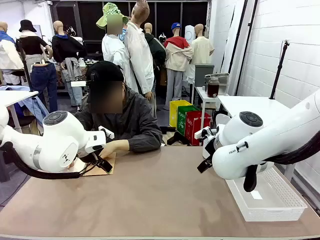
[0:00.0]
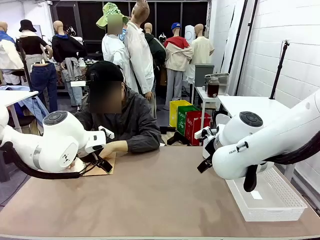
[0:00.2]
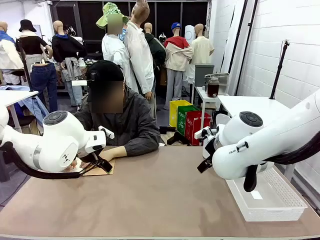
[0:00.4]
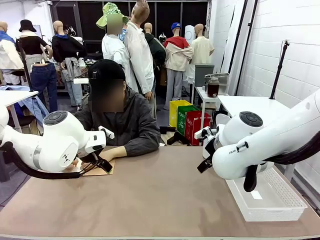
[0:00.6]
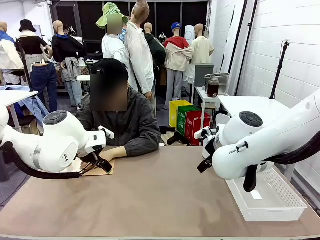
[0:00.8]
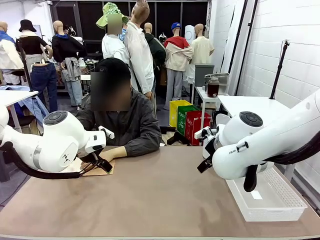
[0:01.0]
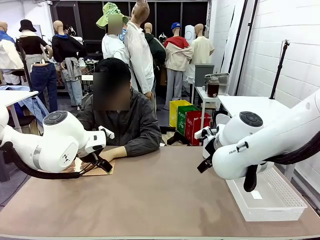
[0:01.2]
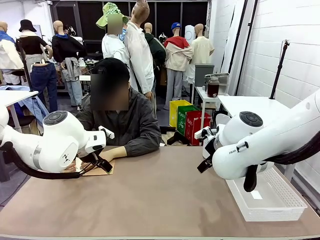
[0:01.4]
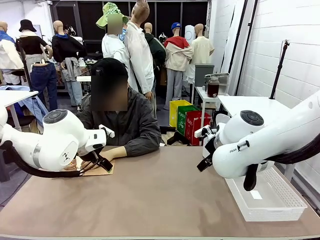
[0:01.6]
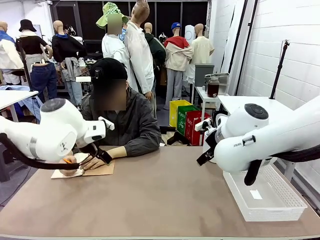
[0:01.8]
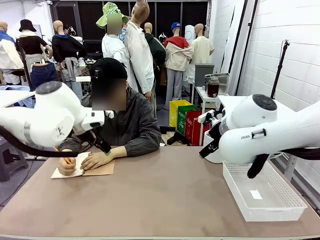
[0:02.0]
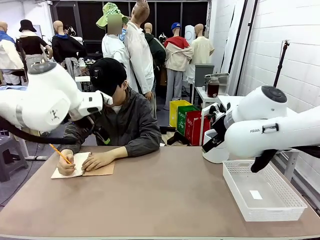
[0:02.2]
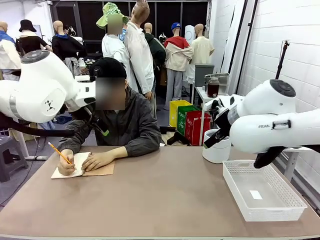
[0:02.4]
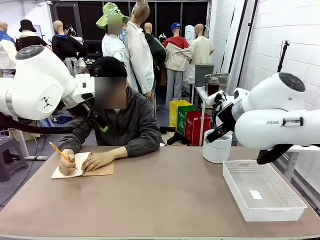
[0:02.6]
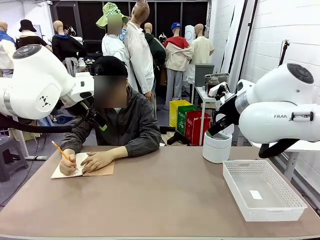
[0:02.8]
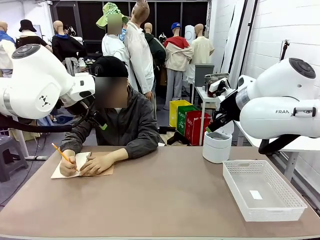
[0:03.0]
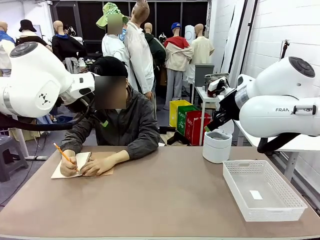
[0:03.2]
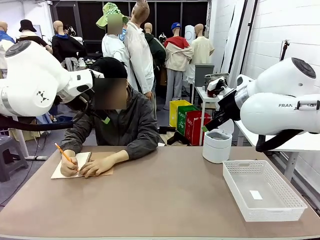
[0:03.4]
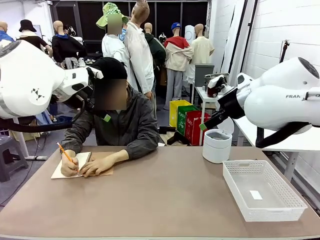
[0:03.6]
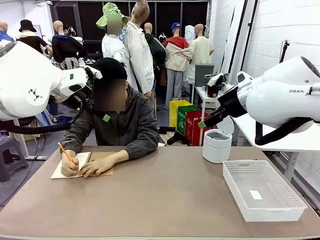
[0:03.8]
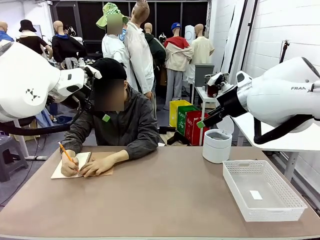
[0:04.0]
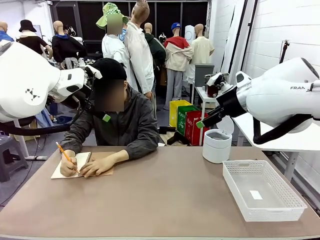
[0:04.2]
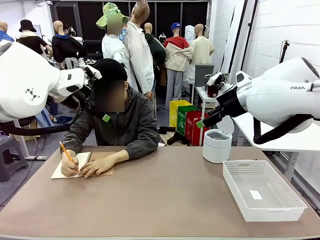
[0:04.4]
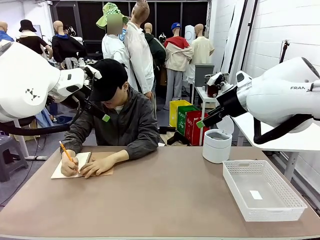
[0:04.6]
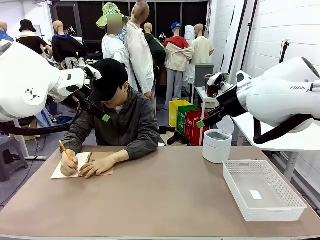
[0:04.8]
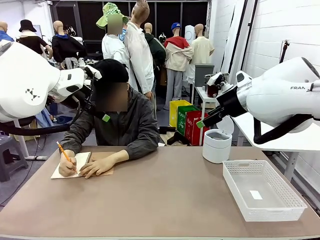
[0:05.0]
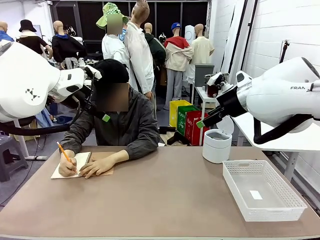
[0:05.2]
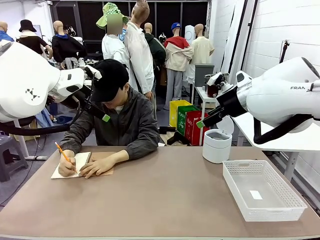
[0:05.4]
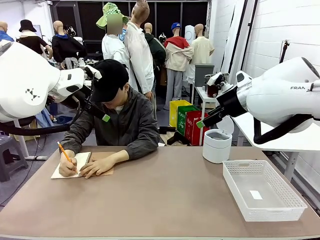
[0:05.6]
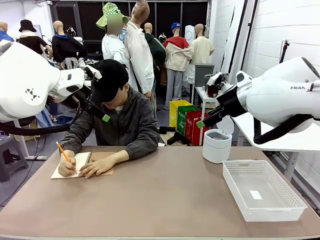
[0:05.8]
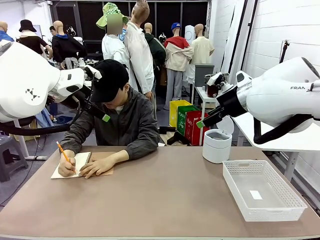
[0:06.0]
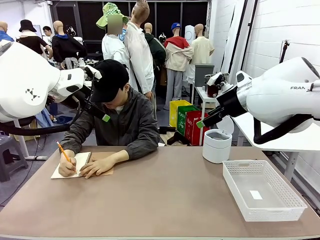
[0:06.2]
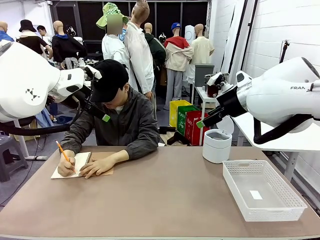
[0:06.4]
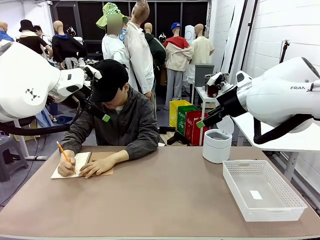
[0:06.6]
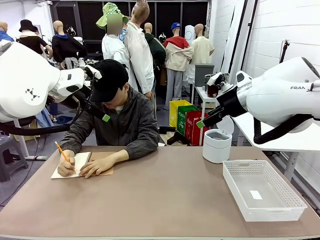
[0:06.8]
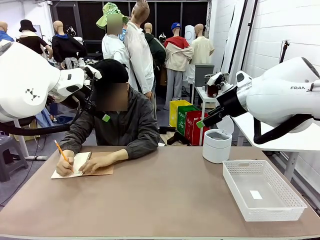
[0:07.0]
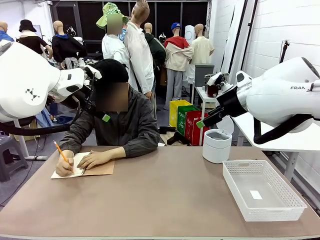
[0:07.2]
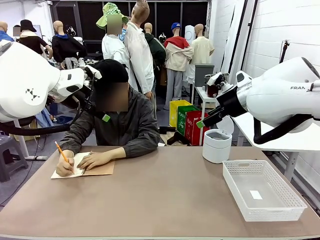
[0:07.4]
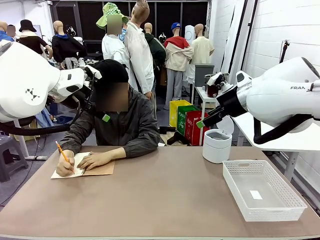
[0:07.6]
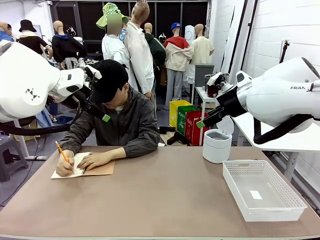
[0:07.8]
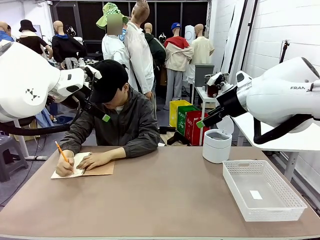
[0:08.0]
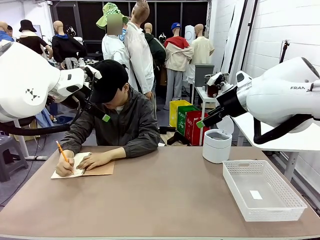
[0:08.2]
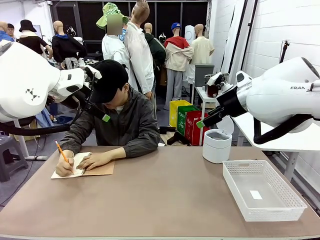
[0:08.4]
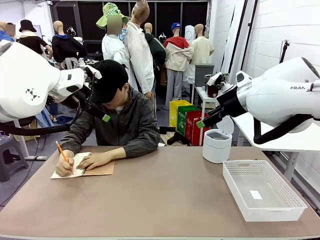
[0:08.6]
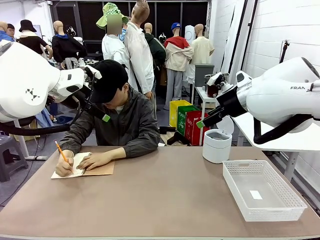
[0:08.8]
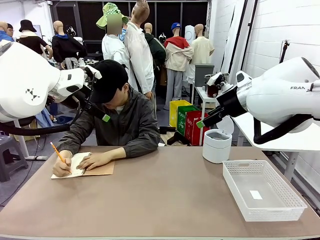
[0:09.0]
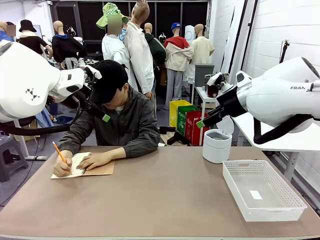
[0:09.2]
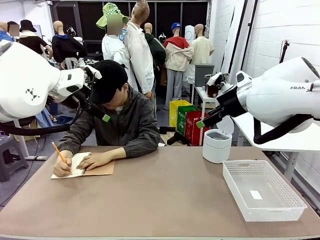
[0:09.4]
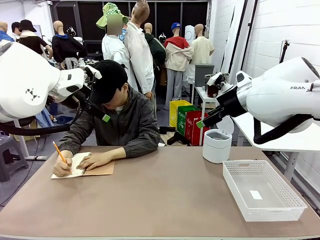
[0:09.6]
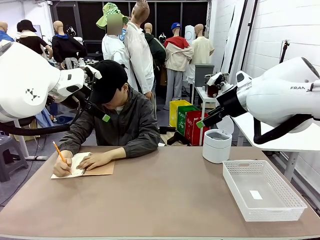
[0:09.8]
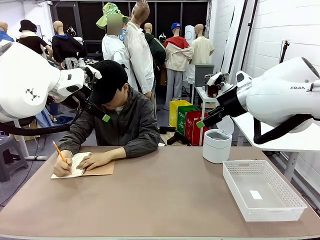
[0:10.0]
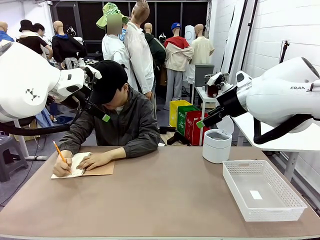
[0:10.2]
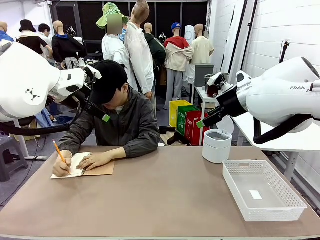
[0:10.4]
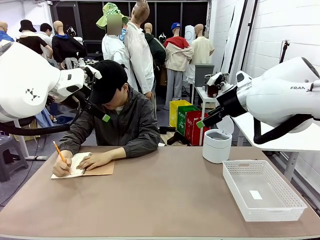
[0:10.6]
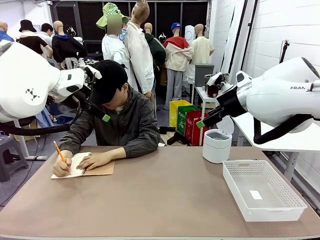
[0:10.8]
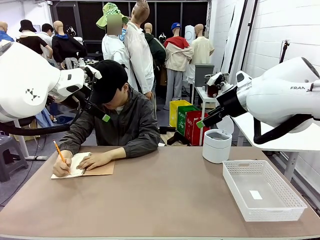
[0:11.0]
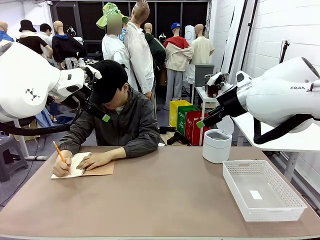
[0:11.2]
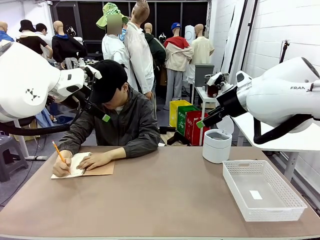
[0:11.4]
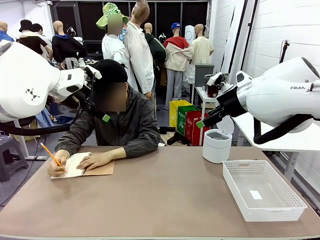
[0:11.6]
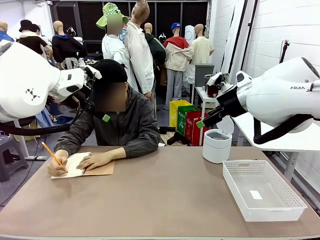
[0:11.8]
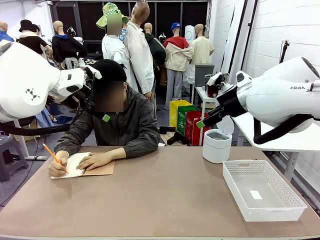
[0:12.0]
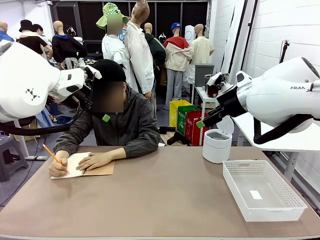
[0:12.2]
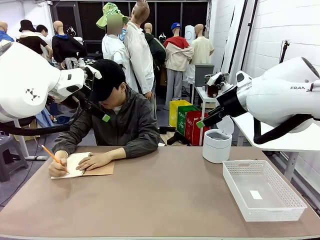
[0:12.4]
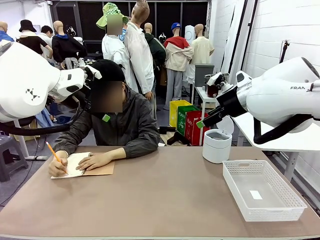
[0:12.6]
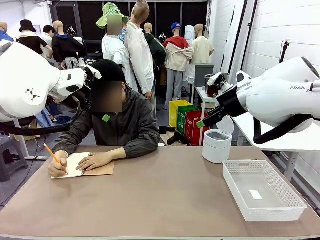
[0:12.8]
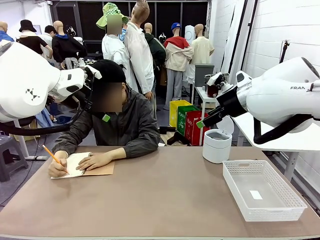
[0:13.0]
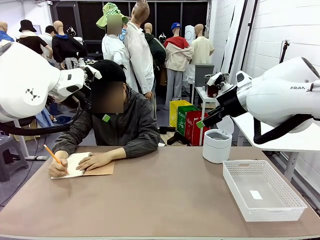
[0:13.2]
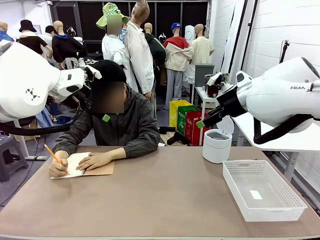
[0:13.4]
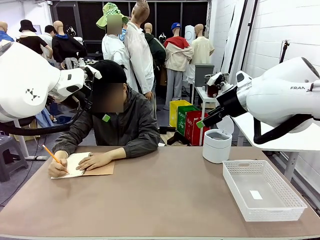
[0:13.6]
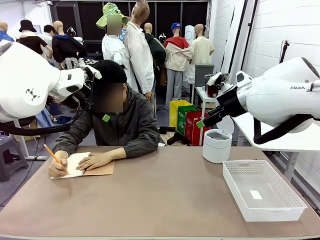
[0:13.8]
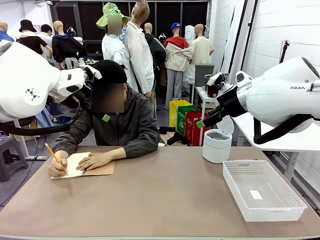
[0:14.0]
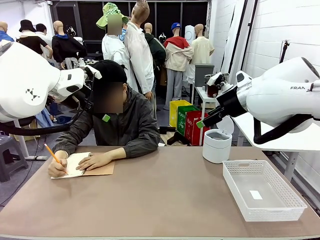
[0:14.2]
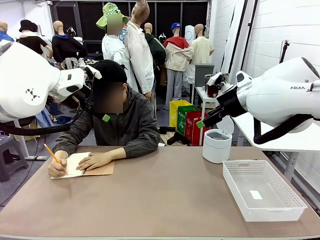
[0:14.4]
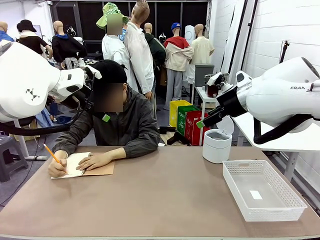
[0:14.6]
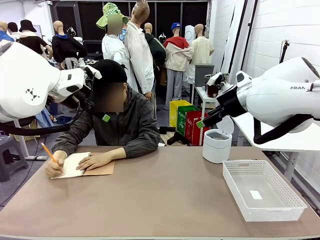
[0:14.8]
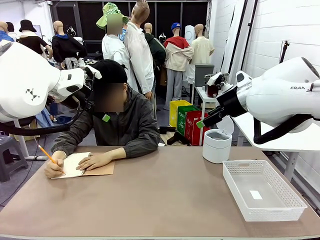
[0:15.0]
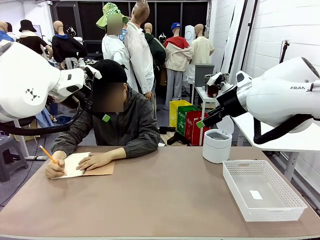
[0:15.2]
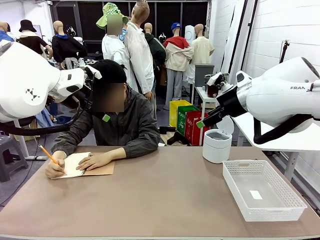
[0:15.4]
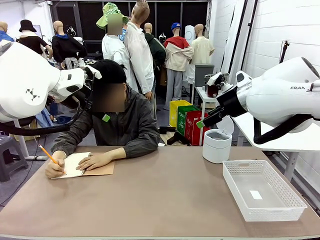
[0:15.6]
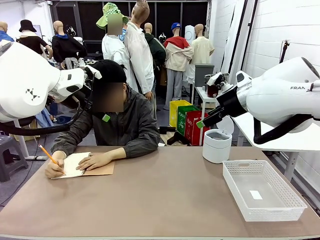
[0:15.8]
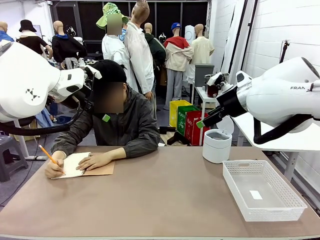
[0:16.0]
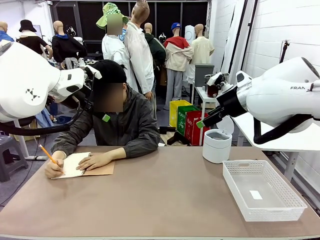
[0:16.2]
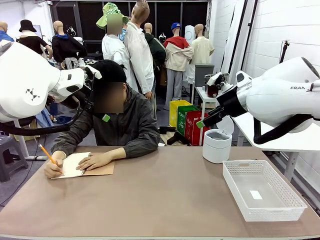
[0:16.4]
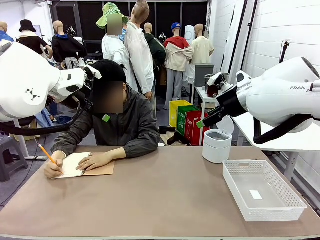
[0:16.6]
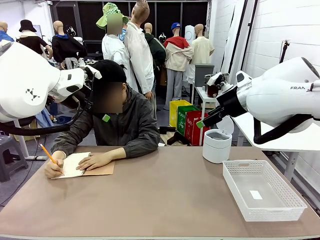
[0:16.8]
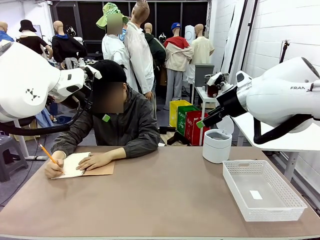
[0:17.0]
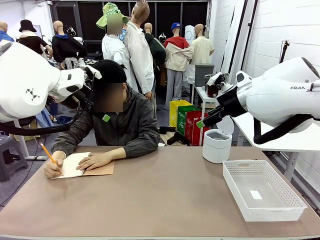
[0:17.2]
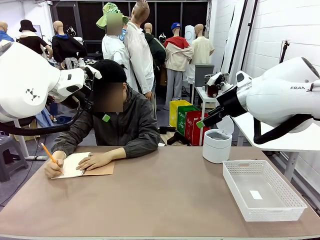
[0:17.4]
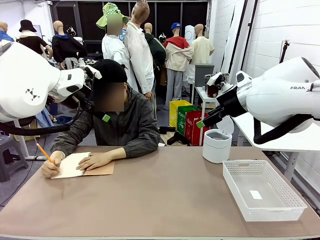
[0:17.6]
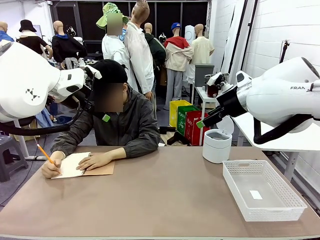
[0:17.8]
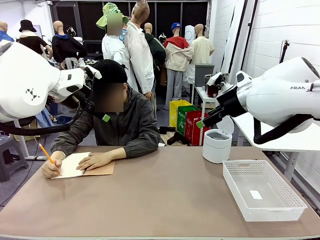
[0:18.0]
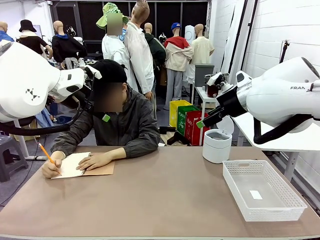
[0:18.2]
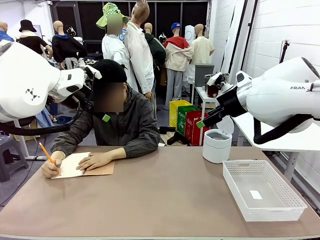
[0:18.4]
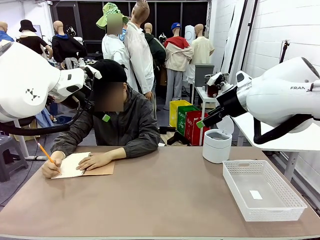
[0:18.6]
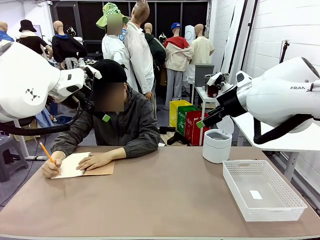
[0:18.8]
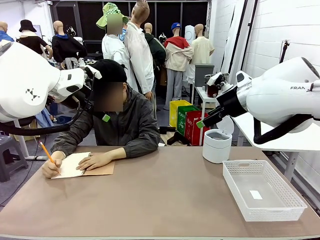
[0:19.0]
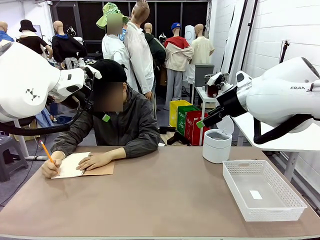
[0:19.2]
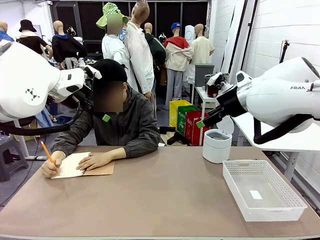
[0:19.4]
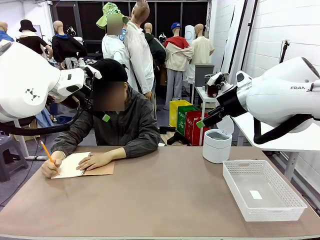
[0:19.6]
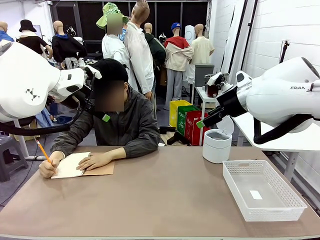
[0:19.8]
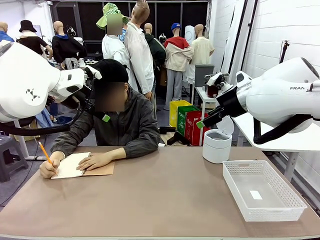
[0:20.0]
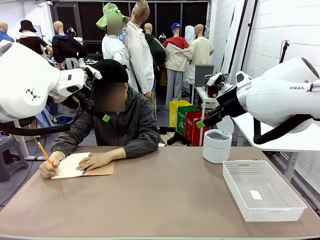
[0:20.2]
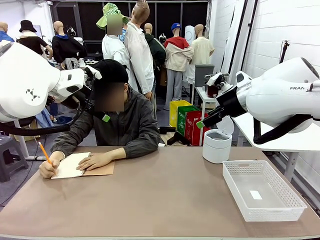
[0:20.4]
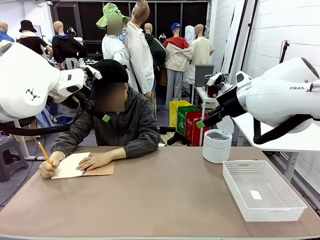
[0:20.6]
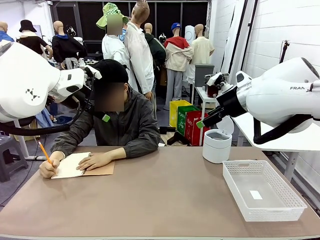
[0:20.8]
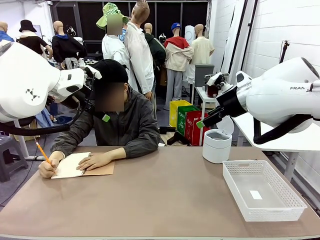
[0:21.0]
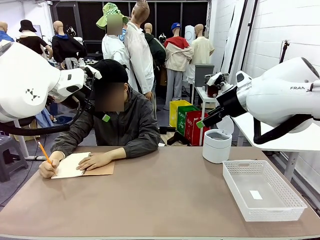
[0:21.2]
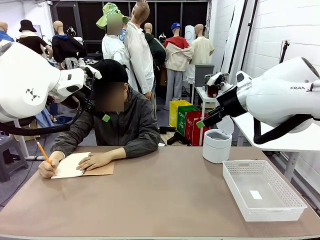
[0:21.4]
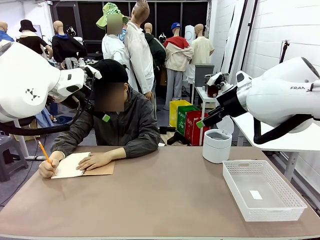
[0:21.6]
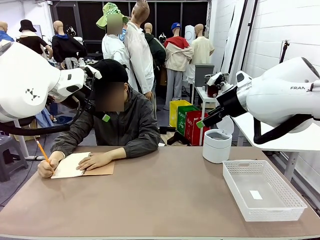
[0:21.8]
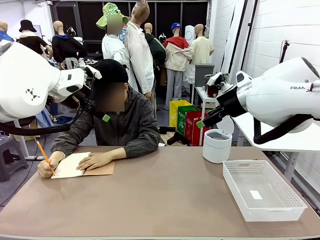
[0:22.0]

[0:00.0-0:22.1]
Task: Sort the paper based on its condition.
Robot: If a person hands you a paper, place it in the Organizing basket , and if it's crumpled, put it in the Trash can.
Person: Tear out a page from the spiral notebook.
